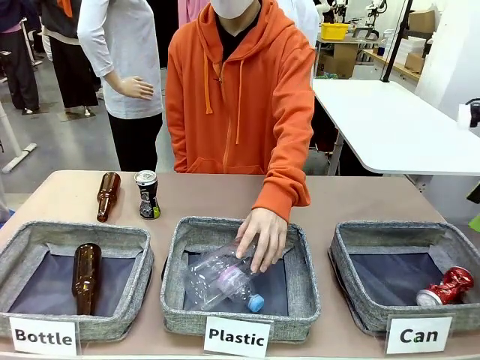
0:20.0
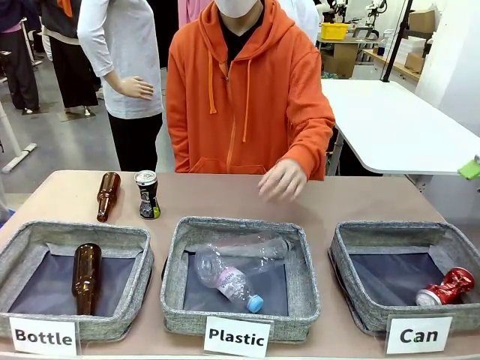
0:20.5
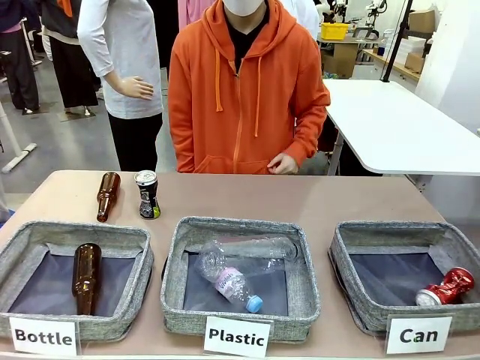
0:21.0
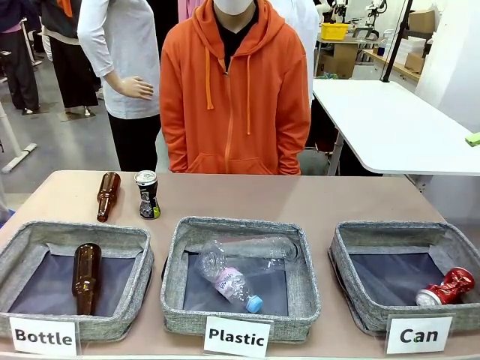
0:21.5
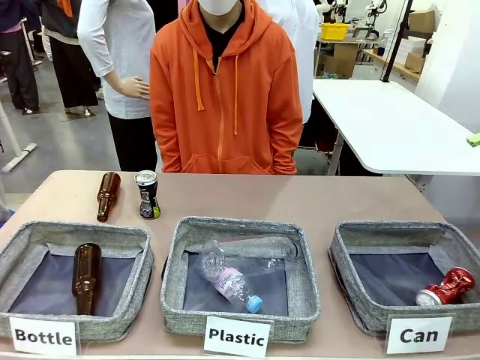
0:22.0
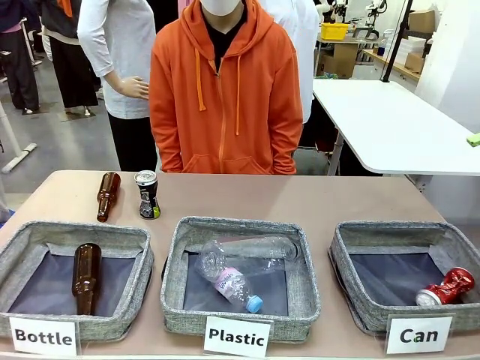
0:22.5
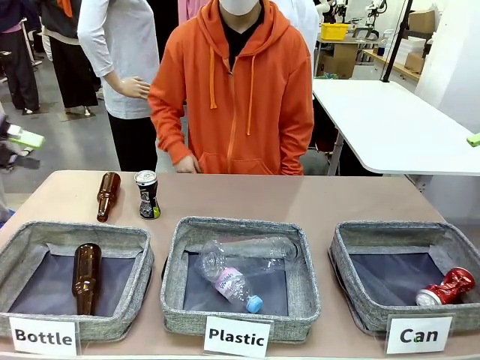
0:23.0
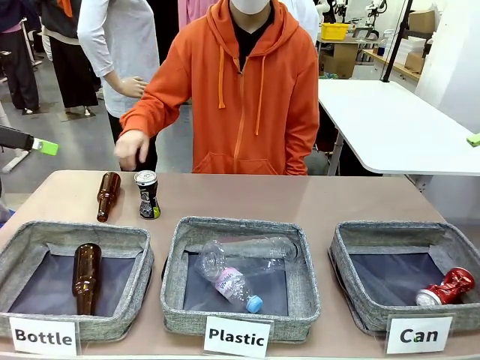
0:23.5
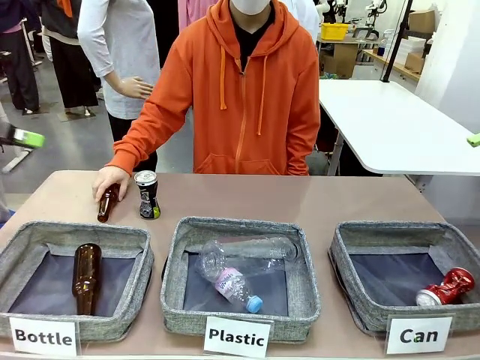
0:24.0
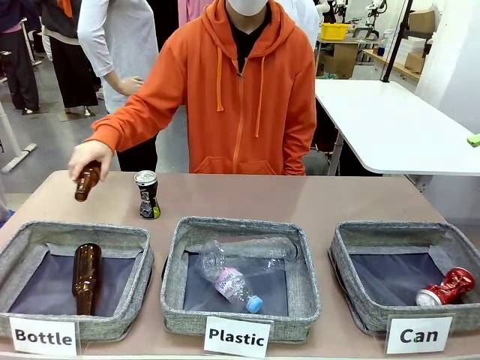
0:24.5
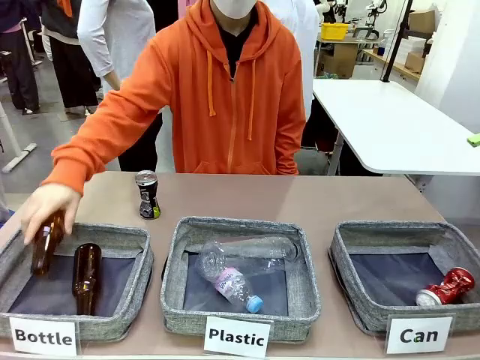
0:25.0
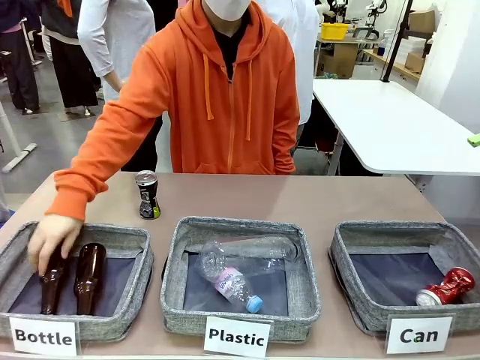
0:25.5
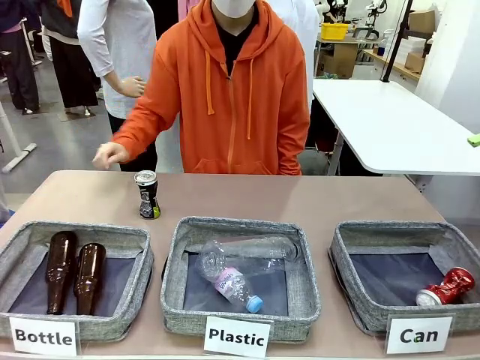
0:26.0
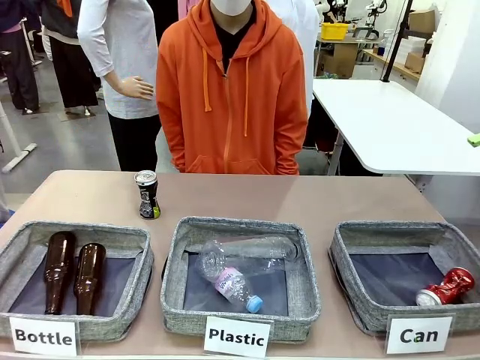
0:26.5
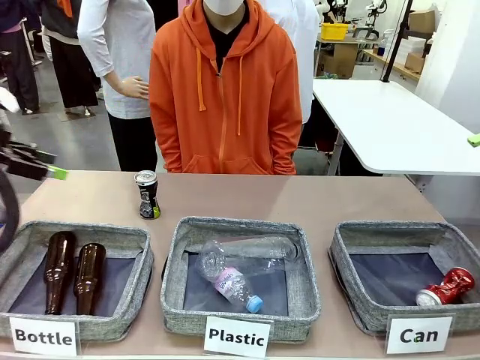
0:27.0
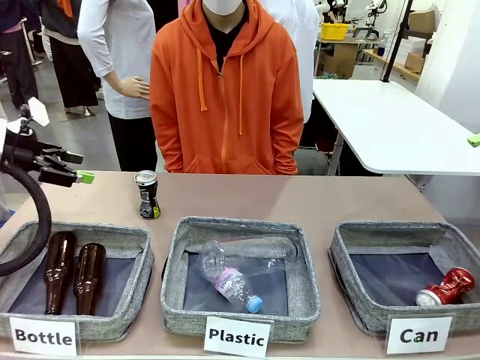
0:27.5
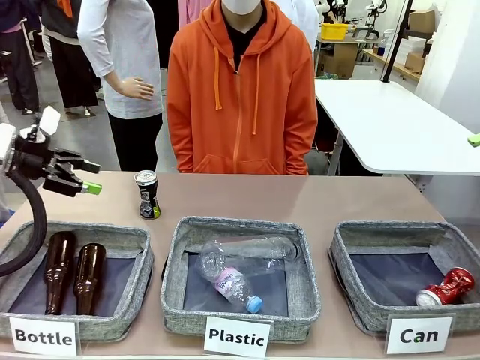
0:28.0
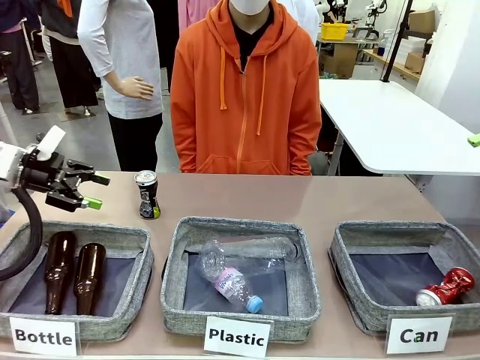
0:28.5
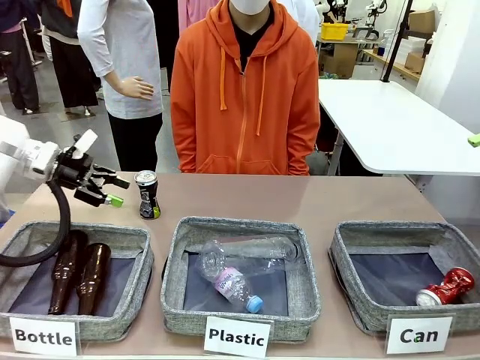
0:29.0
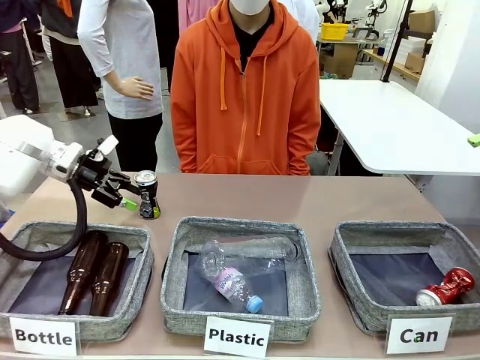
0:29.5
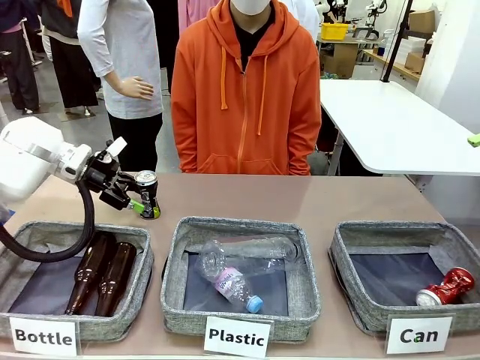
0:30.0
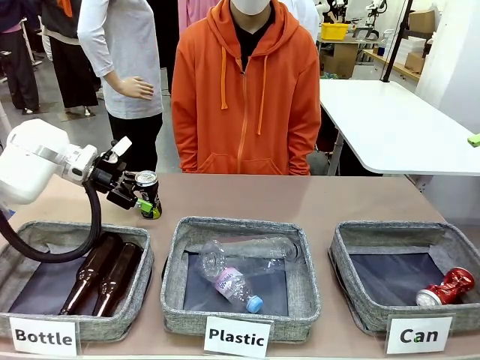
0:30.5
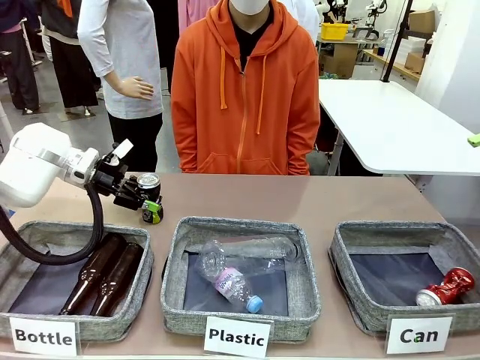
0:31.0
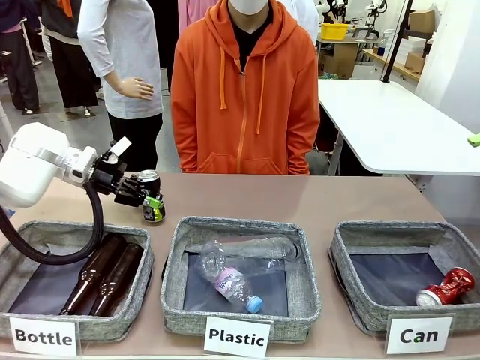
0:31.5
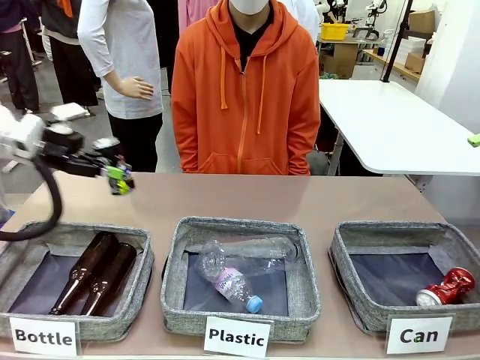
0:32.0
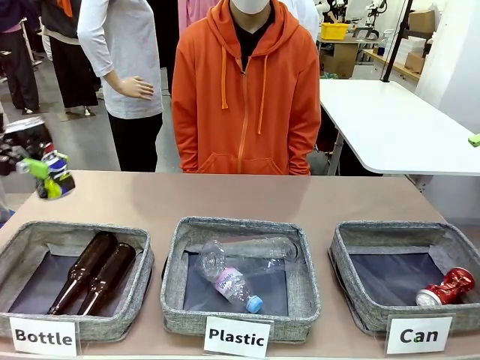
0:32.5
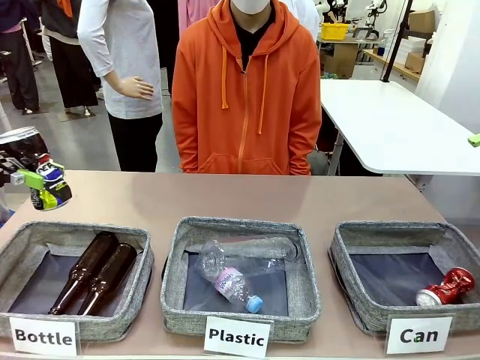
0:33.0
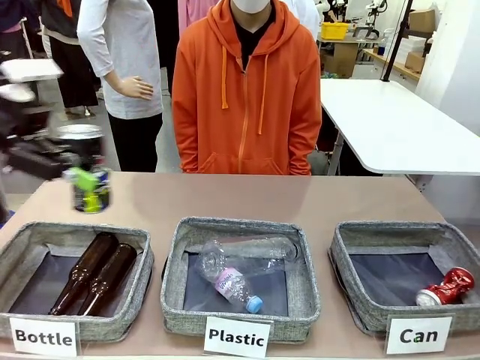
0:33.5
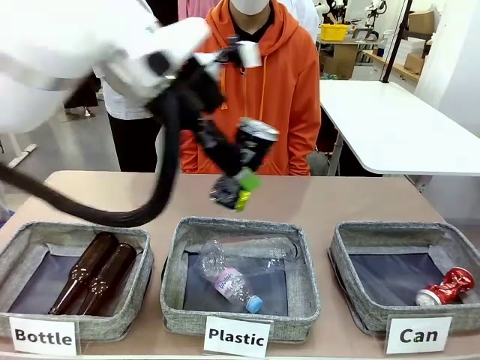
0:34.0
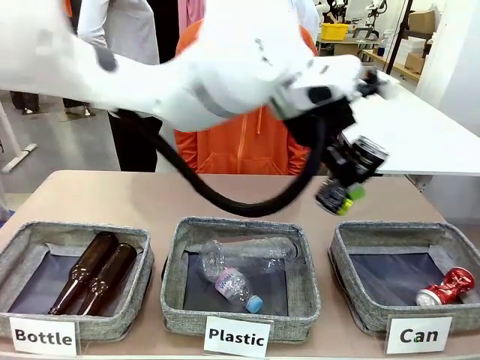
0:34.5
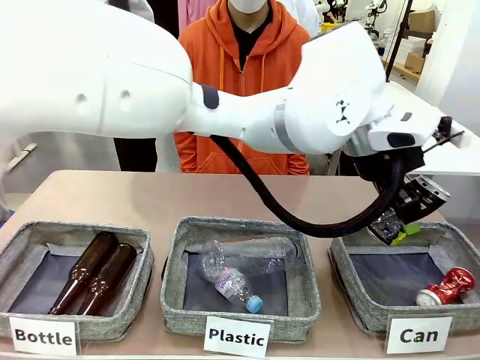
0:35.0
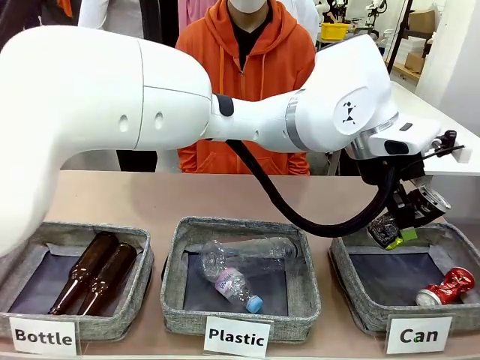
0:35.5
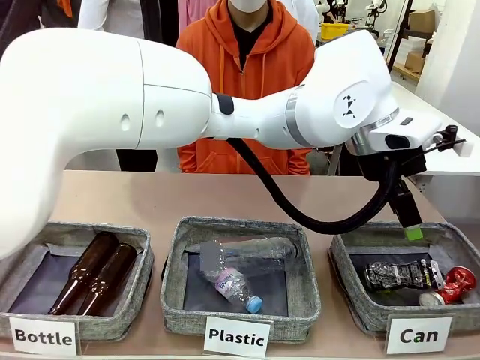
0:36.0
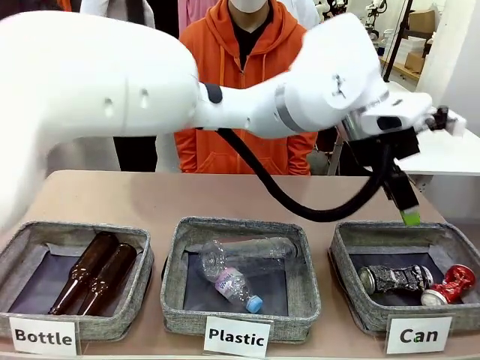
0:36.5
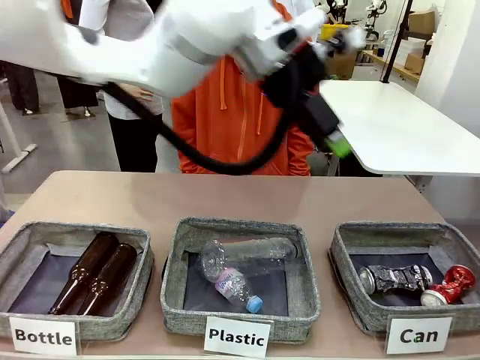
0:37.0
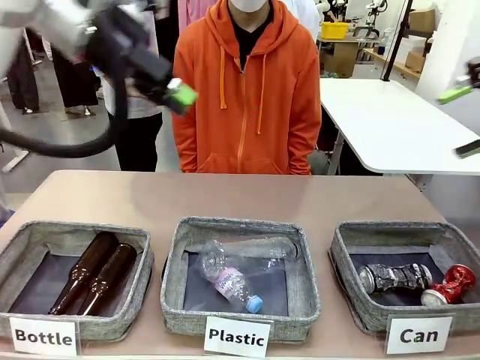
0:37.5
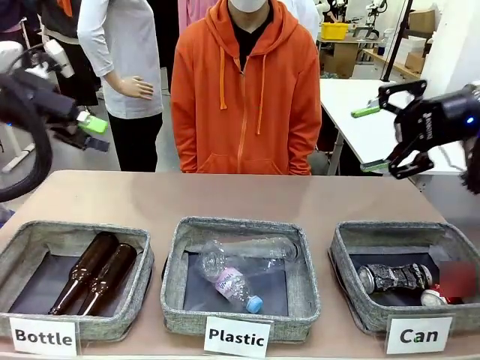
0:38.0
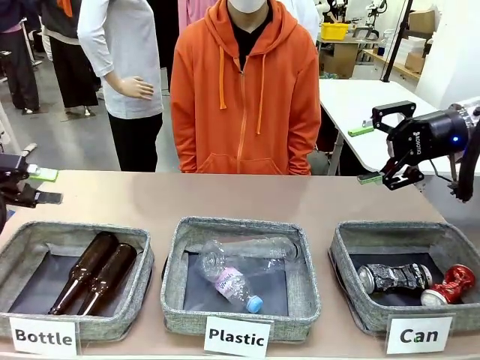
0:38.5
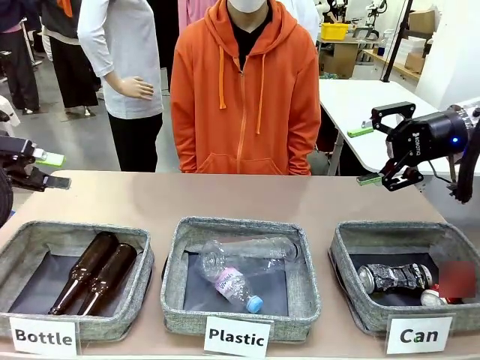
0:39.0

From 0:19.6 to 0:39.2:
Task: Sort the can waste into the basket.
Robot: Pick up the can waste from the table and place it in the right Fabric basket.
